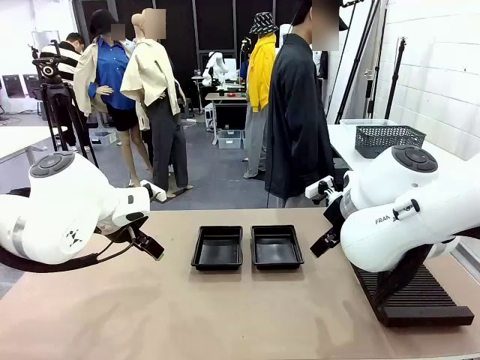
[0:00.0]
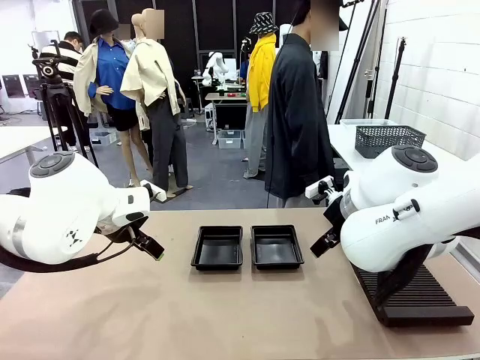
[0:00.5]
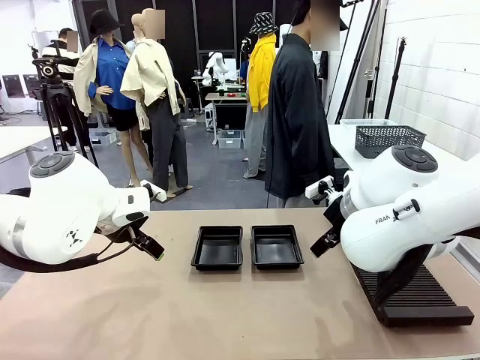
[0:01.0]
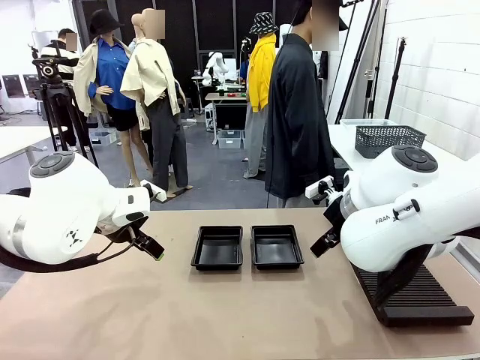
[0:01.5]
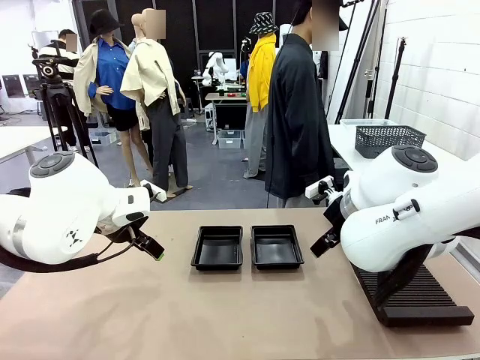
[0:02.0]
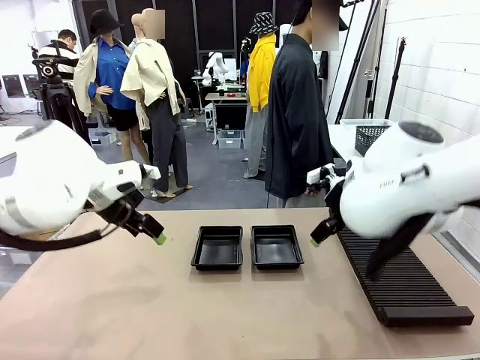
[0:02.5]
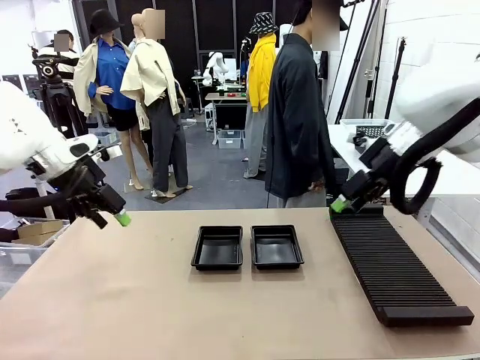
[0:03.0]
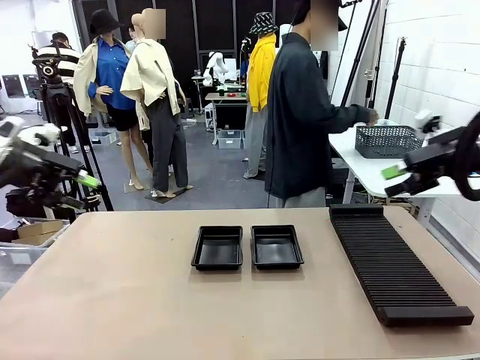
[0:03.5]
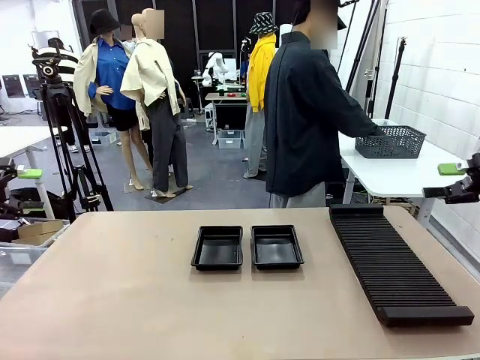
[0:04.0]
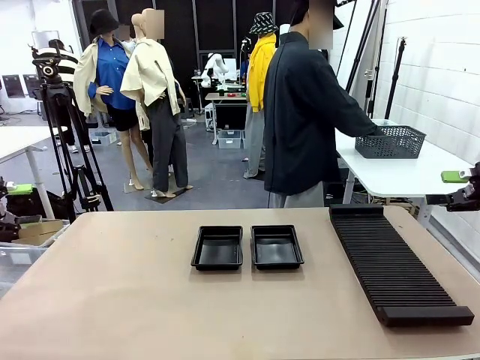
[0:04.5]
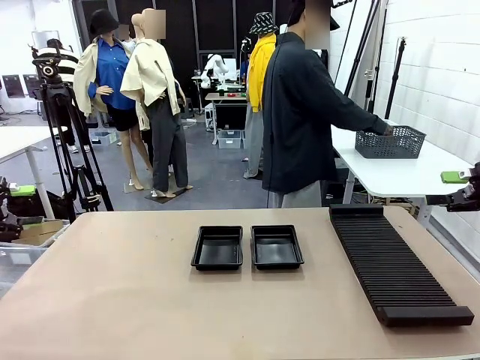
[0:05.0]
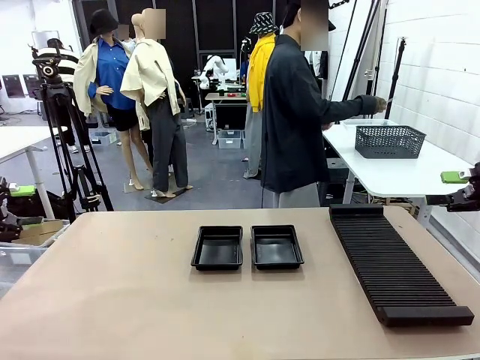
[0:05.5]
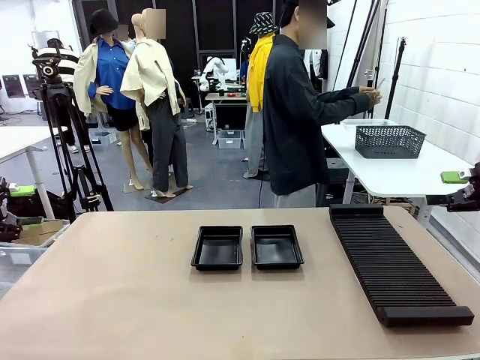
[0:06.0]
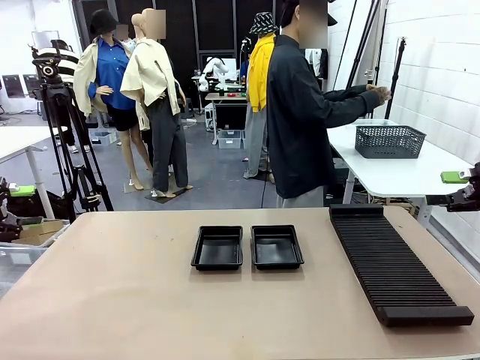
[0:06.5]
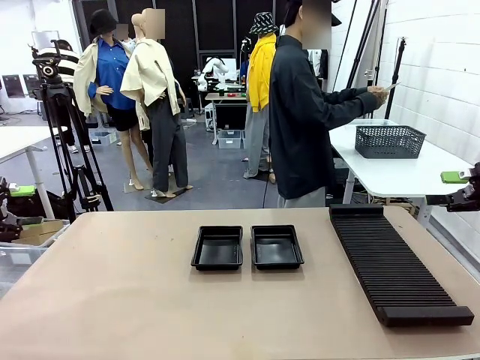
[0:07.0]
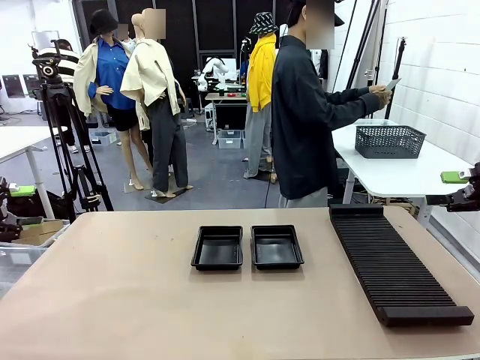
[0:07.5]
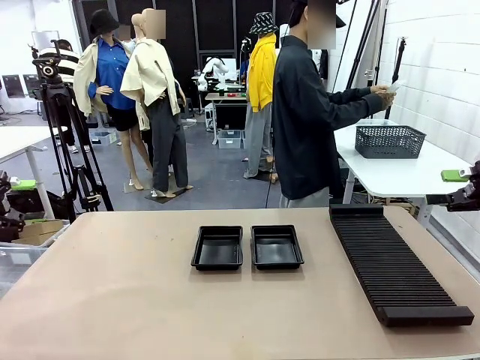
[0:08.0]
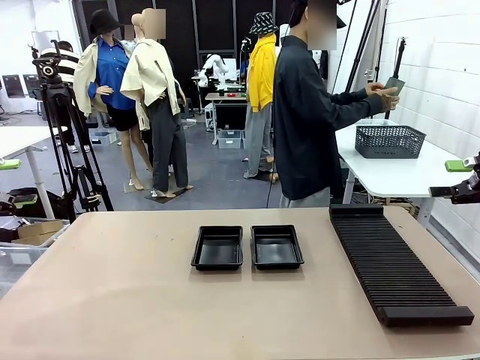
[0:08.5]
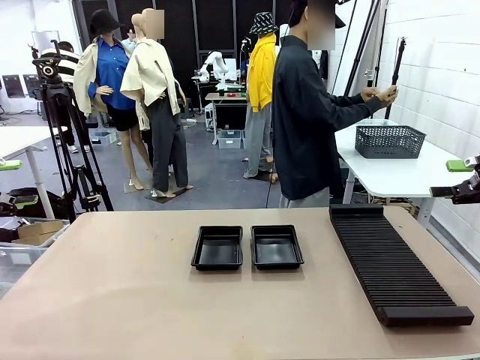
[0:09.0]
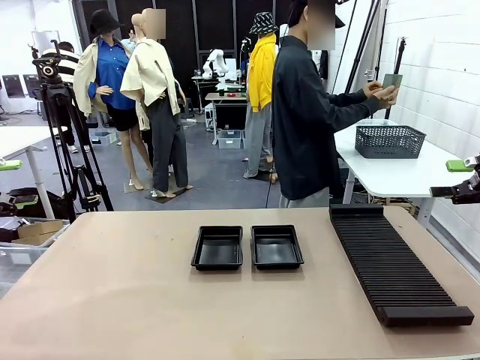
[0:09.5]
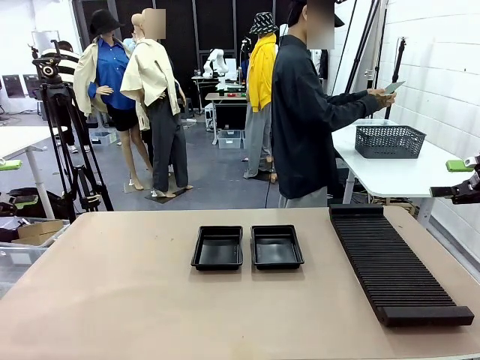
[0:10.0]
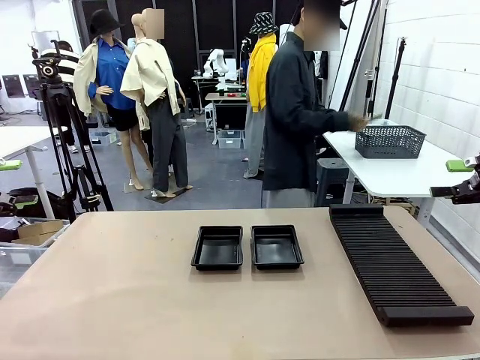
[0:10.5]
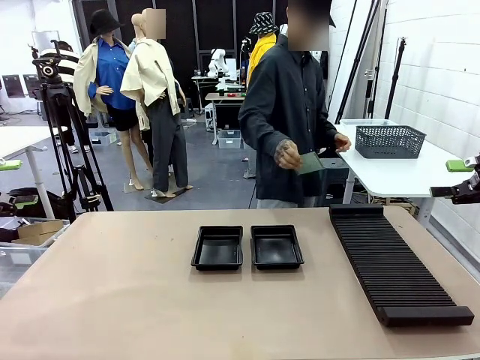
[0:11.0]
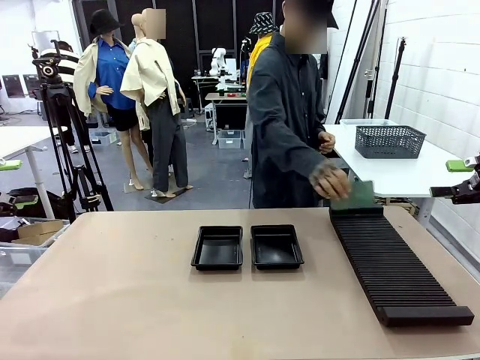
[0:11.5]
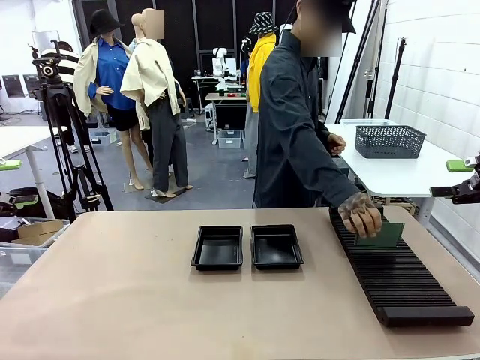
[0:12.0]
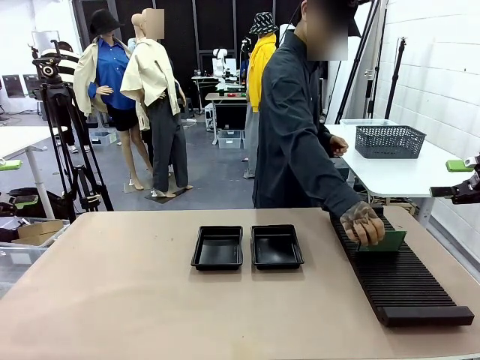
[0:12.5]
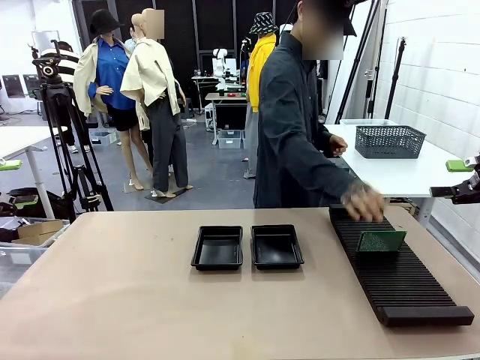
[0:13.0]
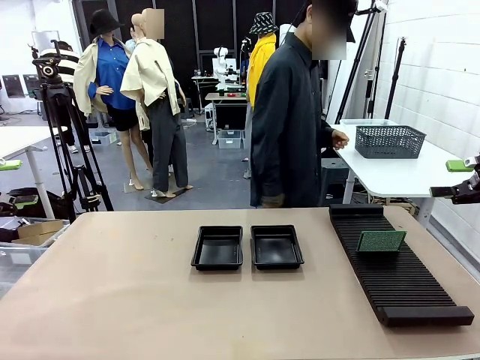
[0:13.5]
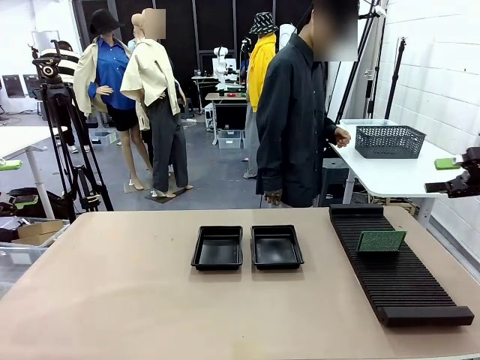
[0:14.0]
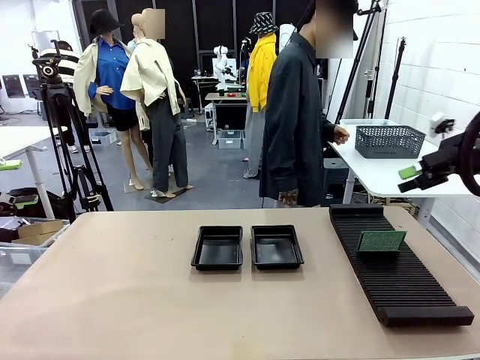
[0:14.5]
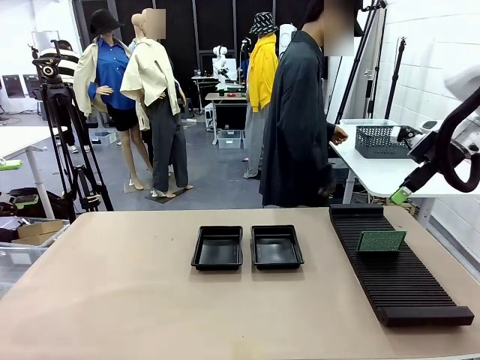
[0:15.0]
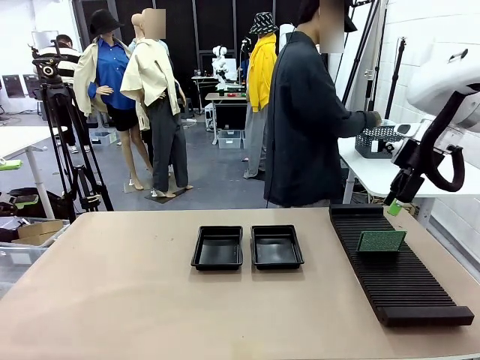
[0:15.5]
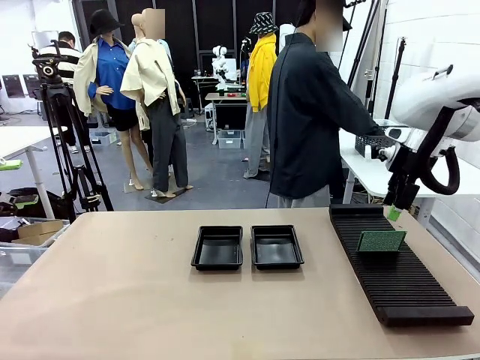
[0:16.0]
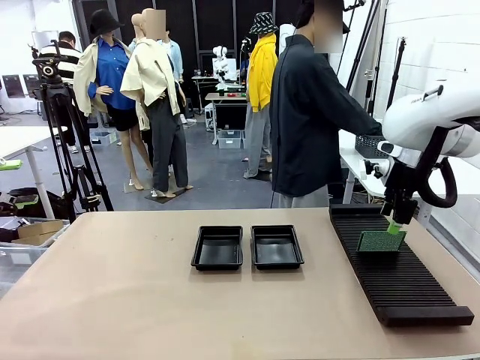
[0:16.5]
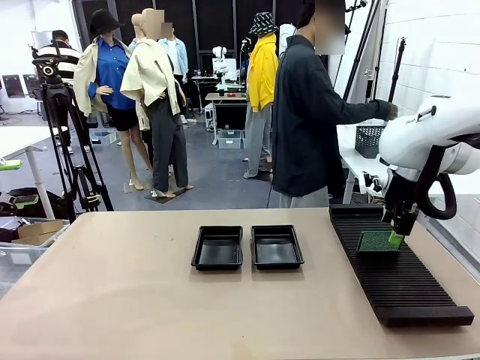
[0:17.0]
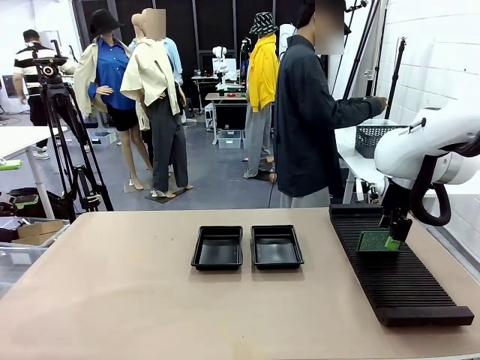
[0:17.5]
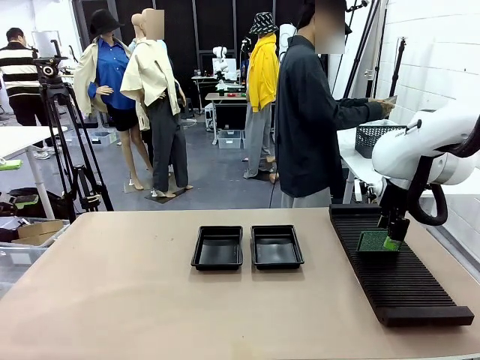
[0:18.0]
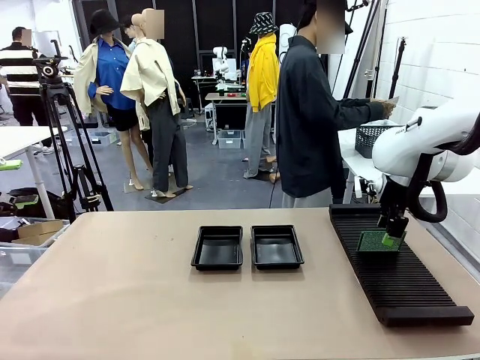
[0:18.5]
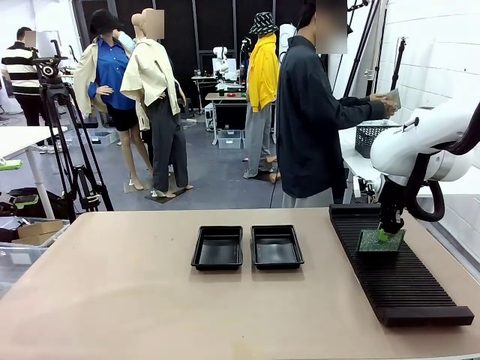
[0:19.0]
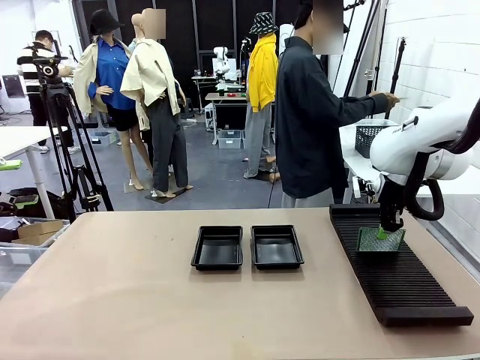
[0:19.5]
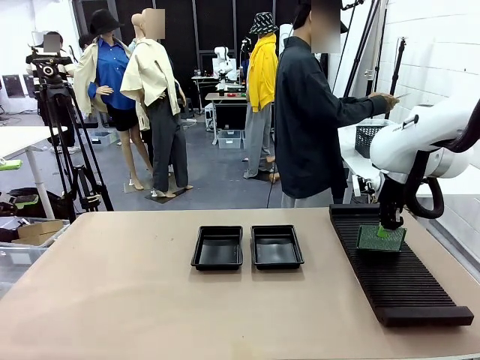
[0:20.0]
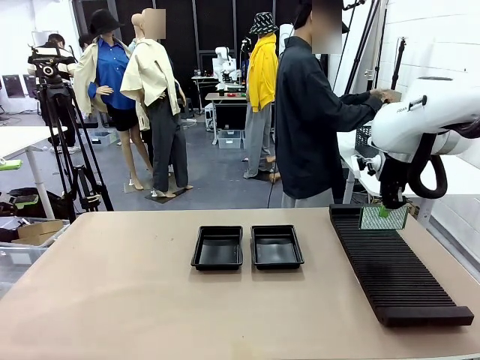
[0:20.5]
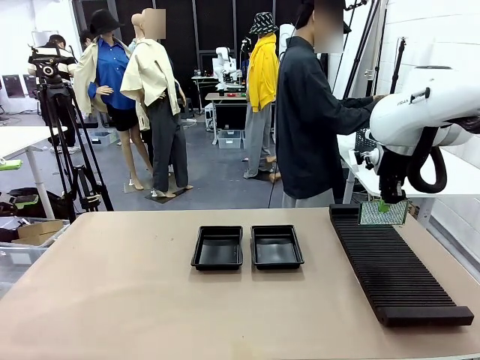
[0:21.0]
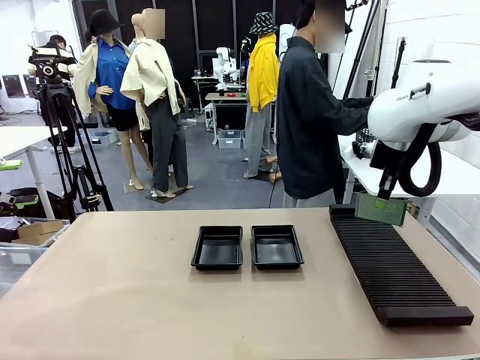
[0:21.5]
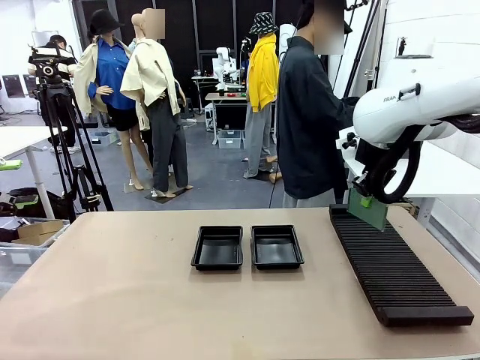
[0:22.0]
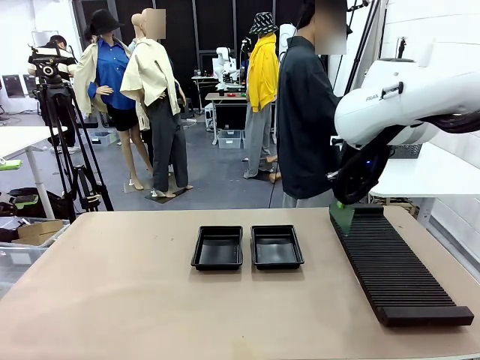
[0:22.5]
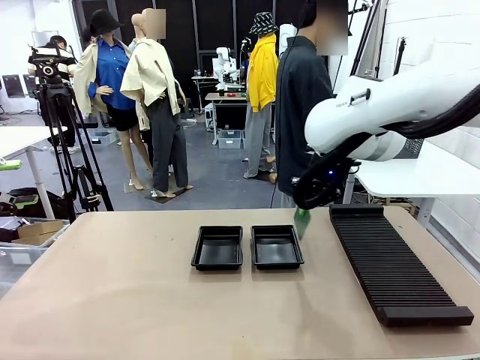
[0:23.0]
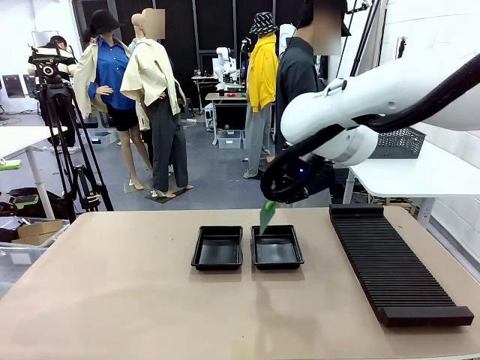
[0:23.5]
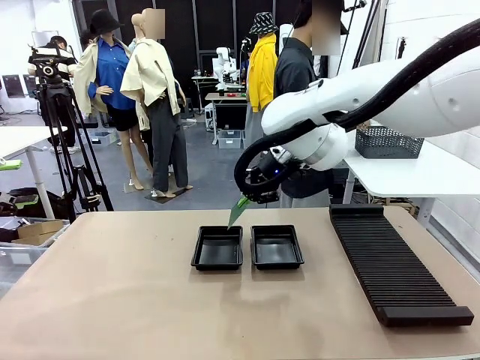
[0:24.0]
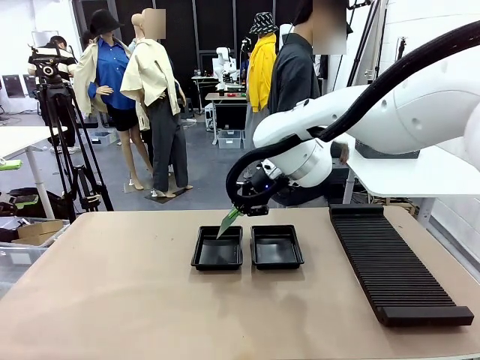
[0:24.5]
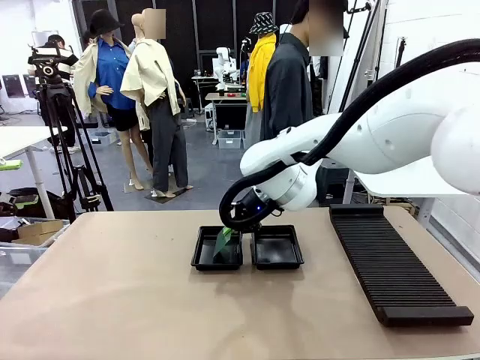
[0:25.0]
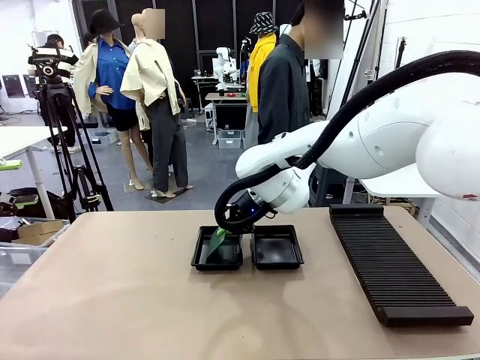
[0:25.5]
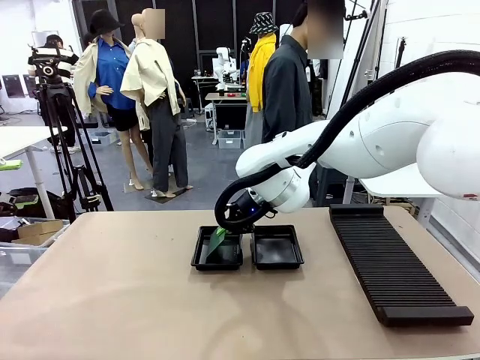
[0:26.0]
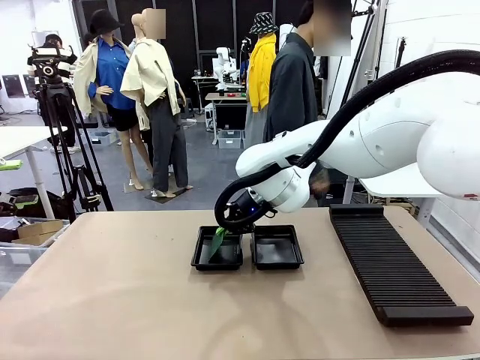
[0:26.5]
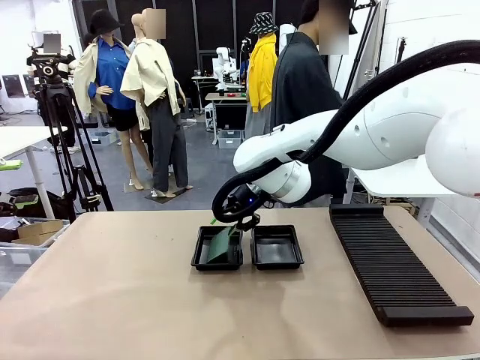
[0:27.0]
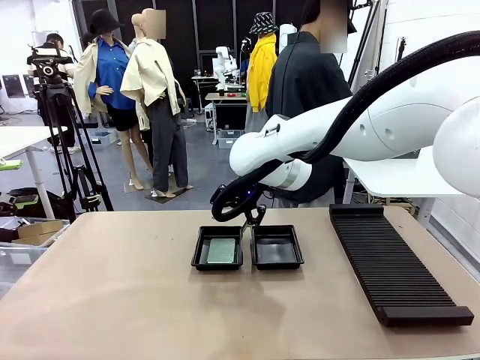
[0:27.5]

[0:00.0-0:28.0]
Task: Inspect and transfer BCBs to ESD trays.
Robot: Pick up the Blank PCB from the PCB Rack and place it in the left ESD tray.
